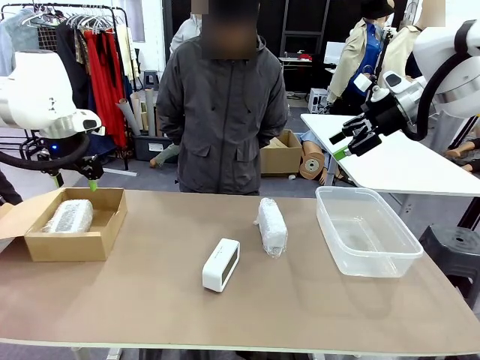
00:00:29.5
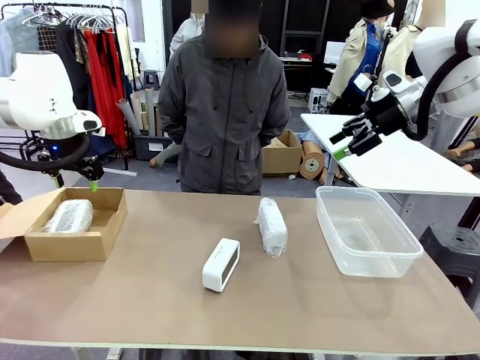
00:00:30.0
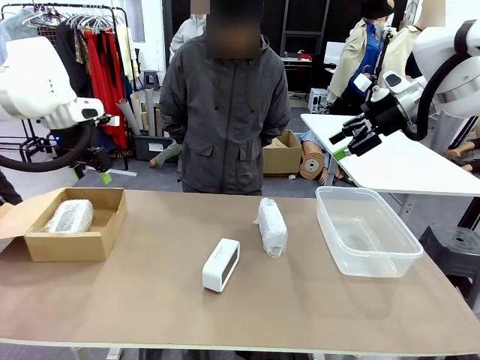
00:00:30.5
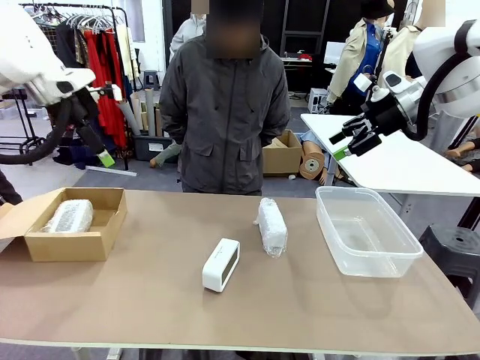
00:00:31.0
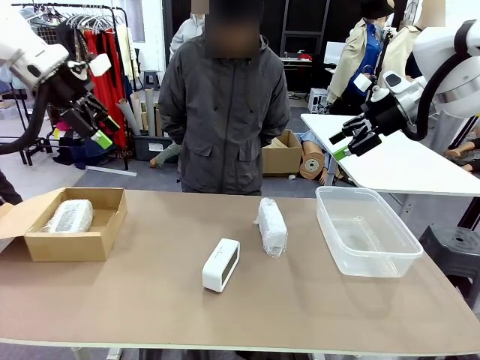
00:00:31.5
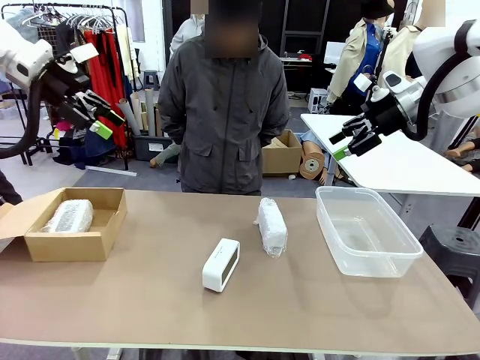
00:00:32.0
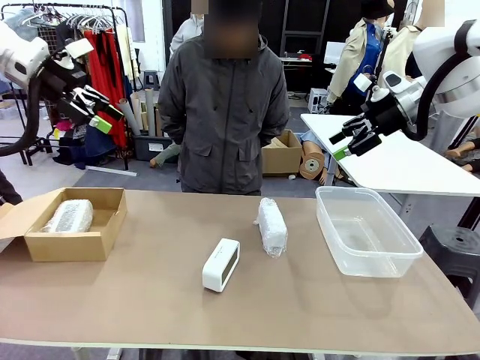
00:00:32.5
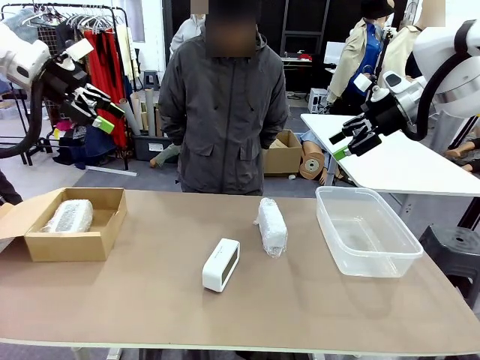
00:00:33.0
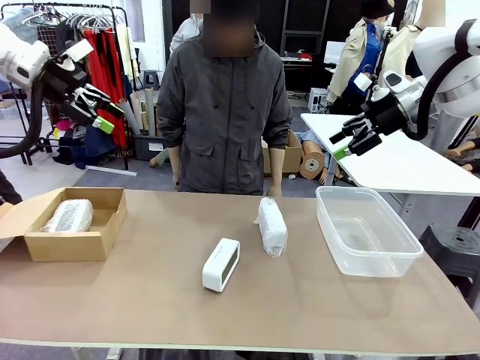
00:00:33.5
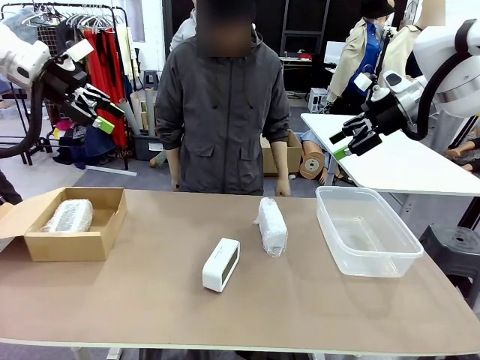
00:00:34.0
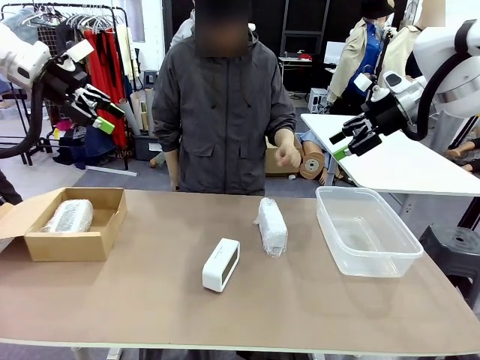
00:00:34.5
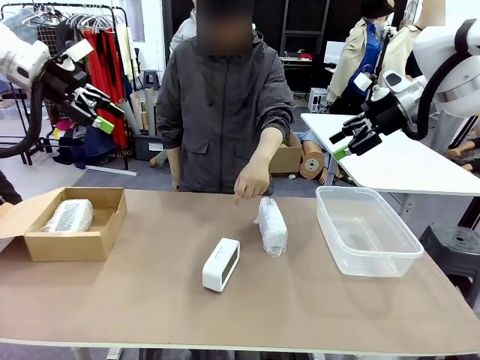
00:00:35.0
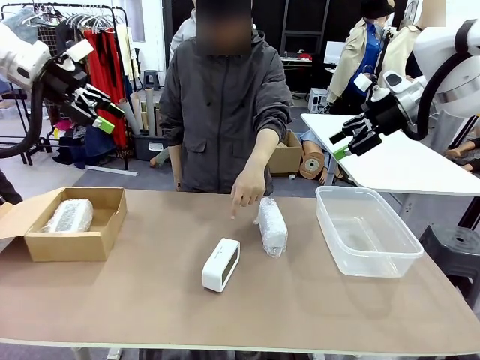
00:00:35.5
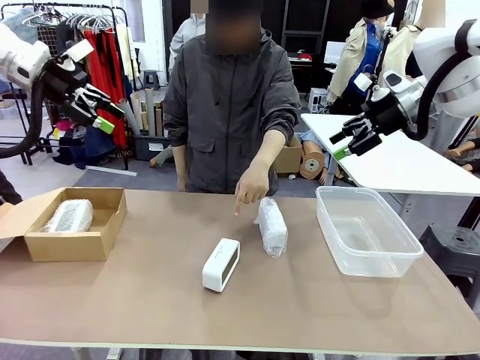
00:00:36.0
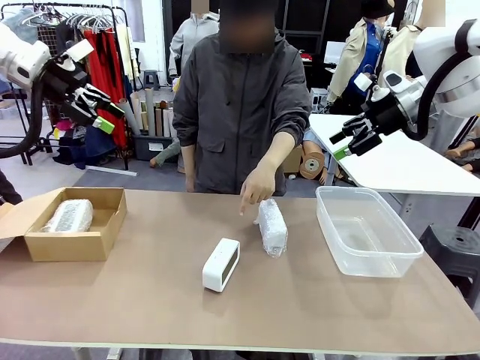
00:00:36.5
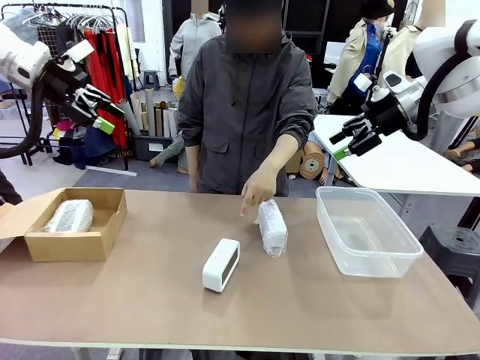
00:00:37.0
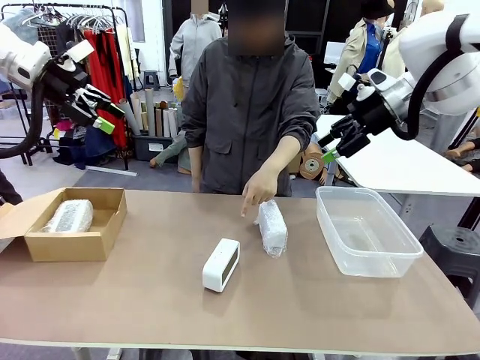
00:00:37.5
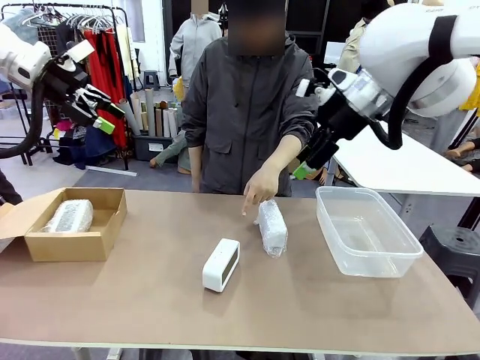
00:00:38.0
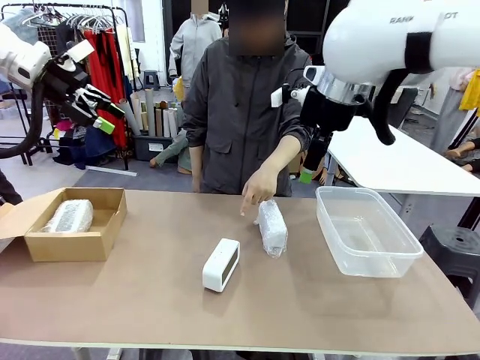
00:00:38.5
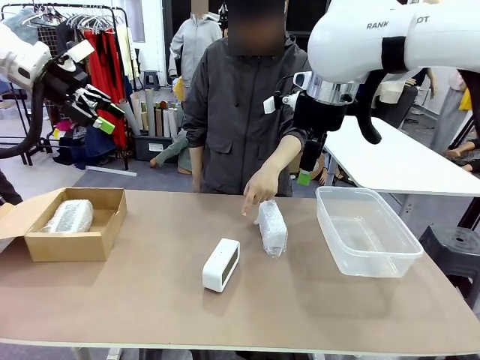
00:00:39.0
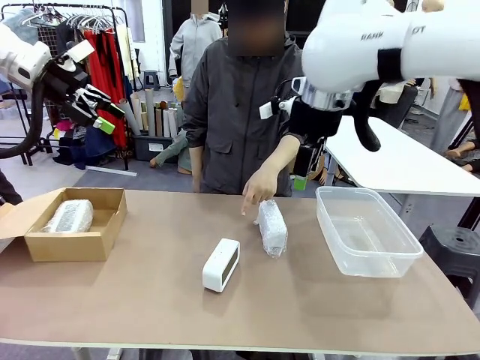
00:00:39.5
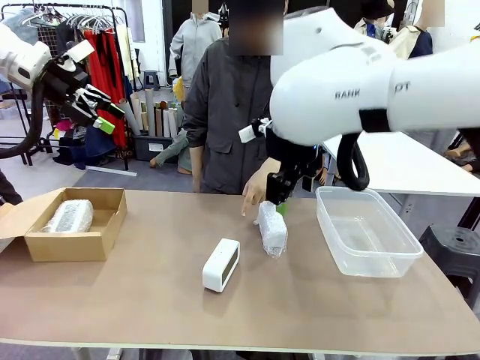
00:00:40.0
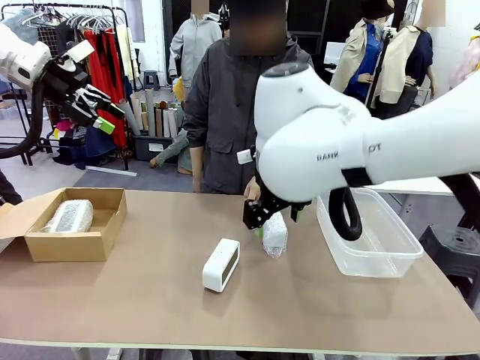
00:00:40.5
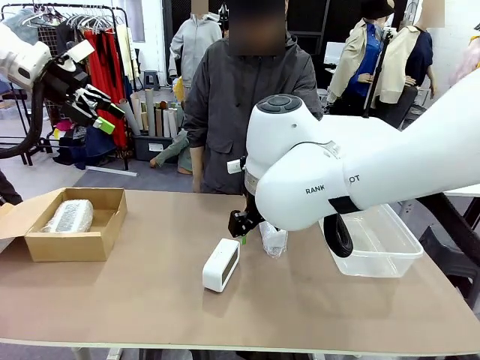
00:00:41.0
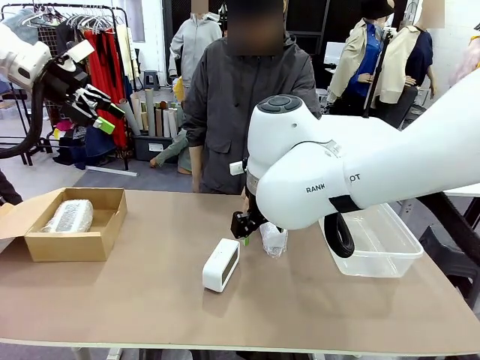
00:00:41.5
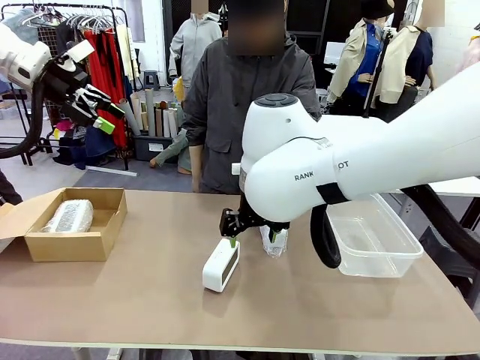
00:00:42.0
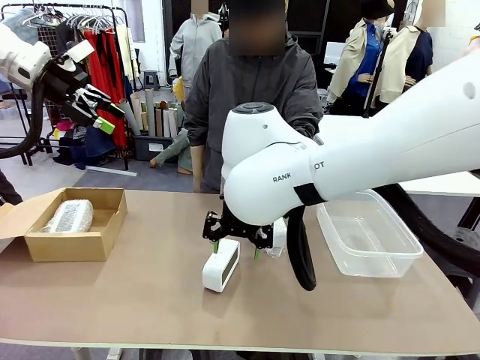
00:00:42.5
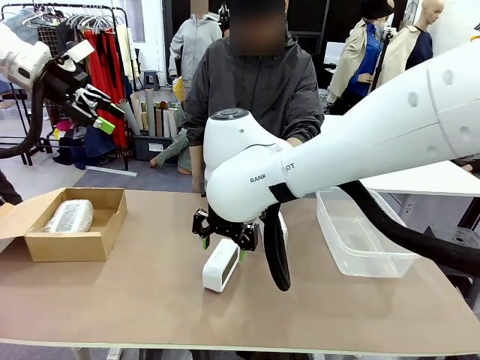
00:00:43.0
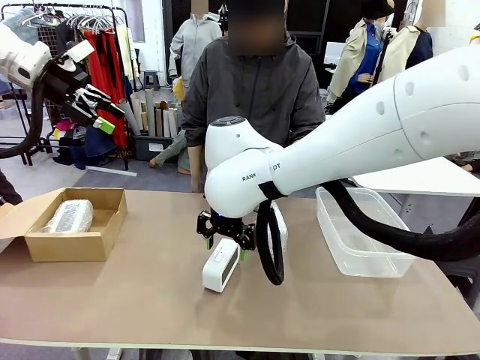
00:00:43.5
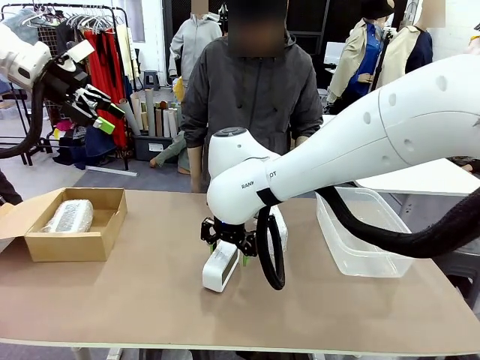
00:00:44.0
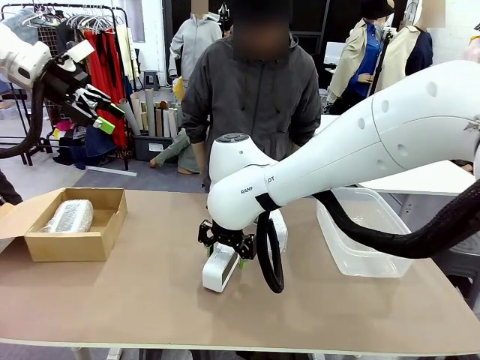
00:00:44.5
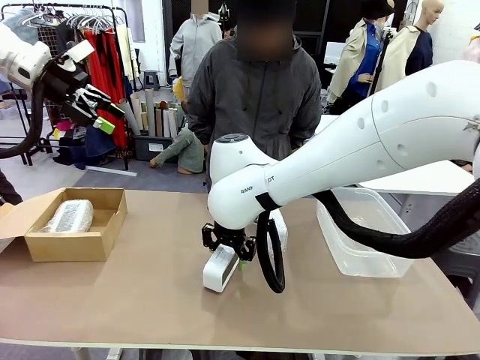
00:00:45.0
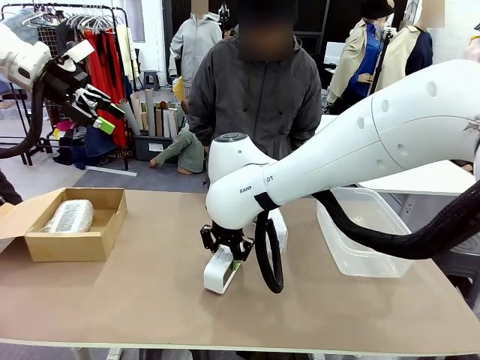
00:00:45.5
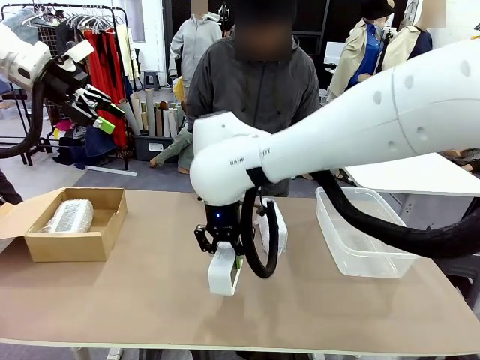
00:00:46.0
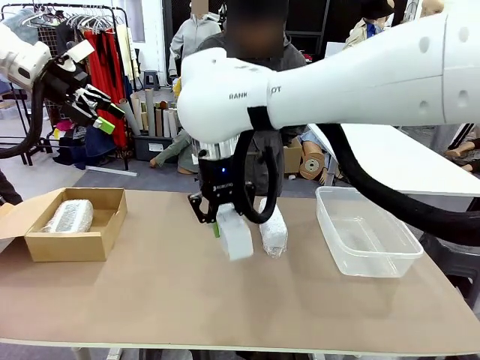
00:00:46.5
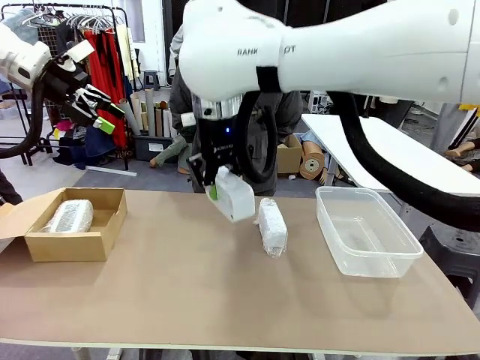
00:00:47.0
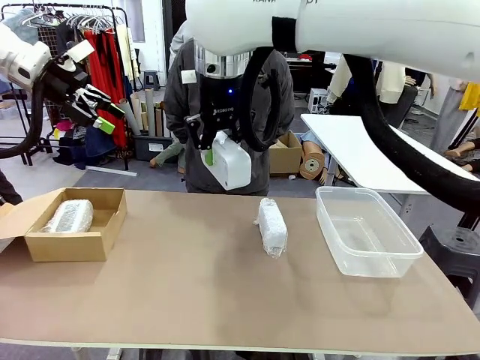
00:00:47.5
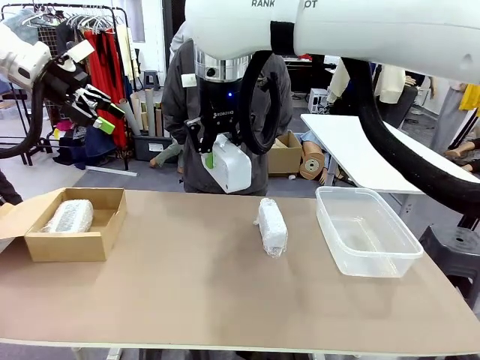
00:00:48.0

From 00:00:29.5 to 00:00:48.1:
Task: Separate and place wrapped and unwrapped clocks.
Robot: Pick up the Digital clock indicated by the person.

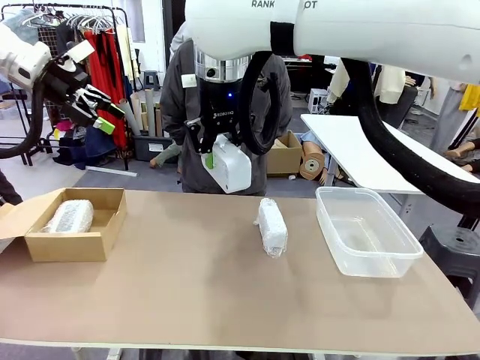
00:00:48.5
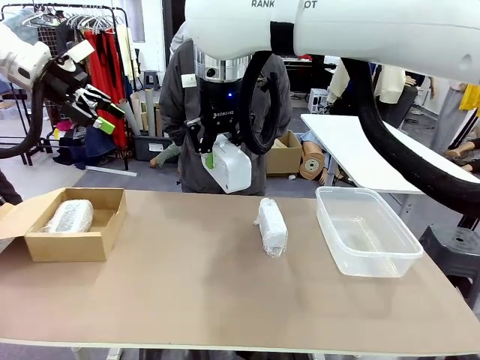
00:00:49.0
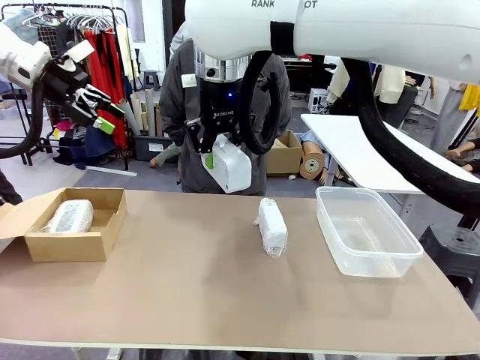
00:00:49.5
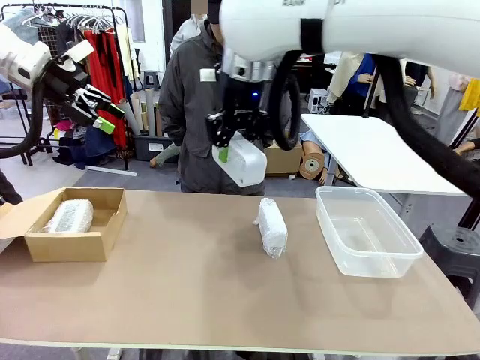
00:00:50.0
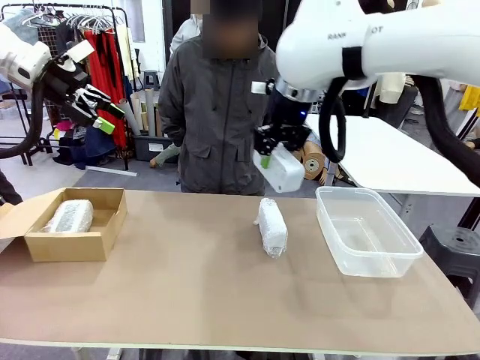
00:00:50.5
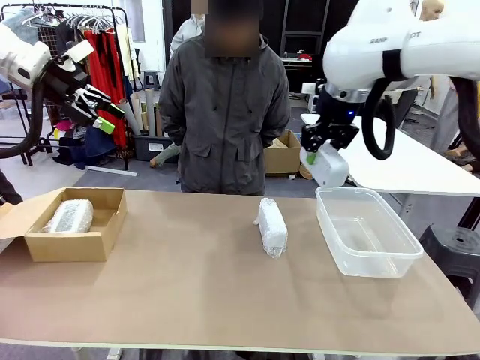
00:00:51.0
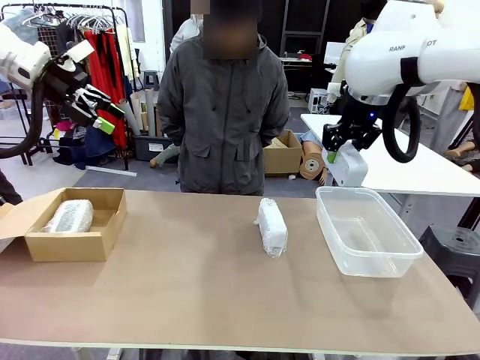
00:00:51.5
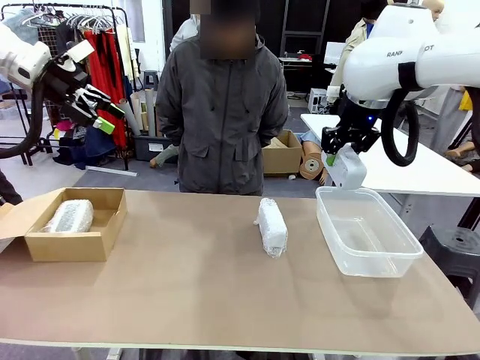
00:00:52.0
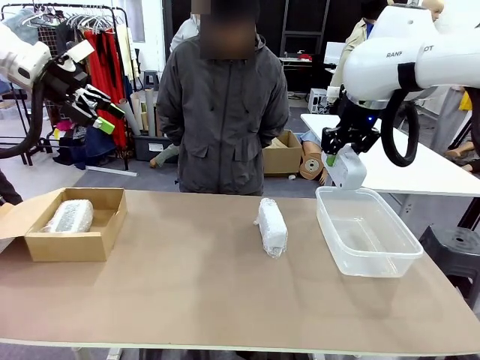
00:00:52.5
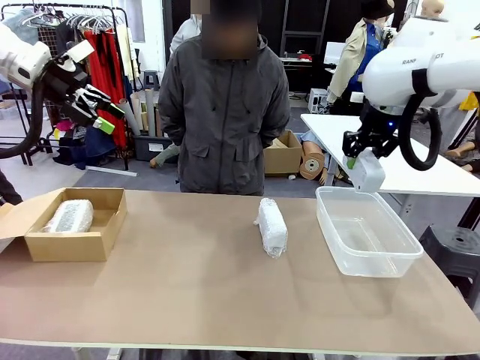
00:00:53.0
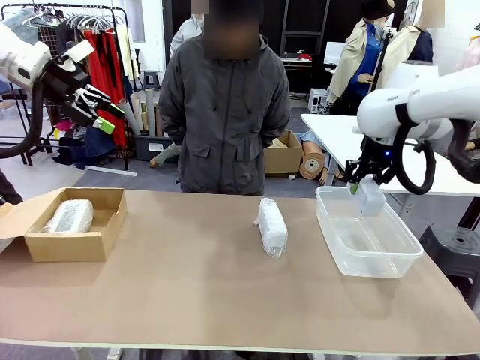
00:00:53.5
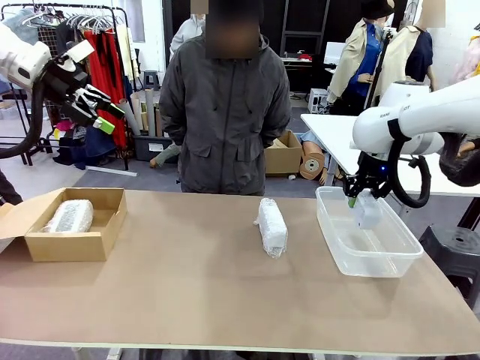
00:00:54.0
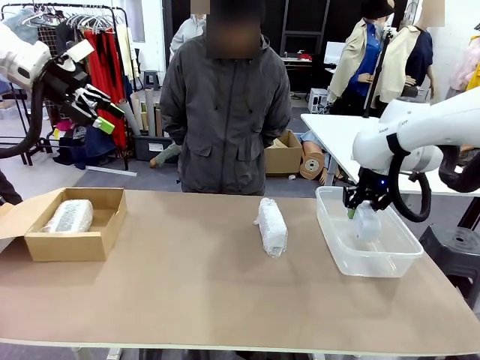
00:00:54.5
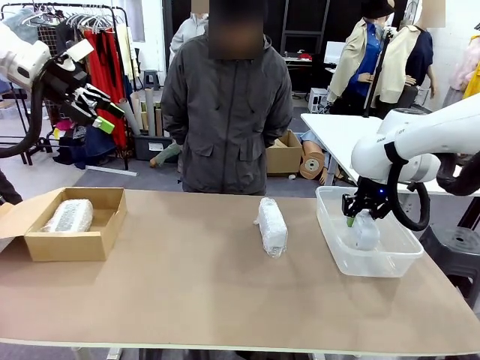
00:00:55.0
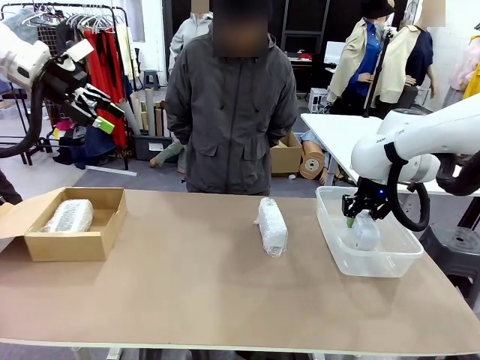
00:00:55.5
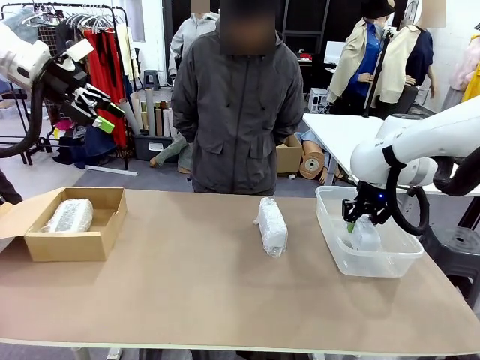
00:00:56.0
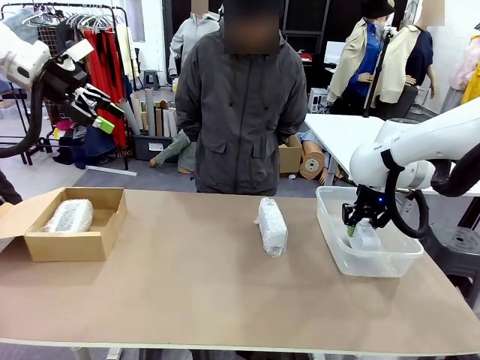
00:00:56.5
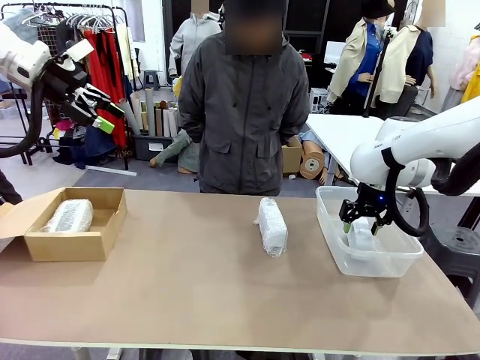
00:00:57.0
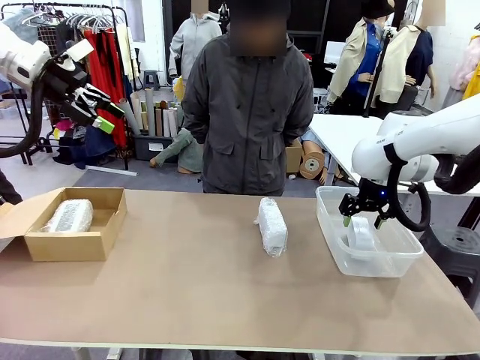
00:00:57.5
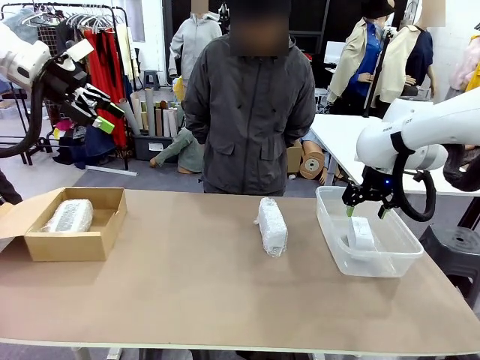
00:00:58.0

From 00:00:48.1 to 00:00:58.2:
Robot: If the picked Digital clock is wrapped, place it in the Package Box ; if not, place it in the Organizing box.
